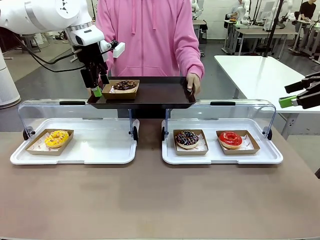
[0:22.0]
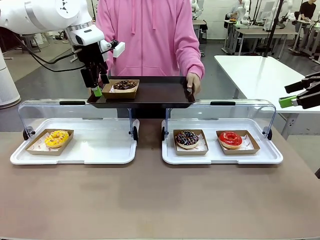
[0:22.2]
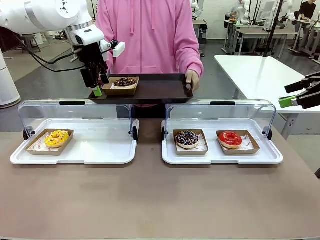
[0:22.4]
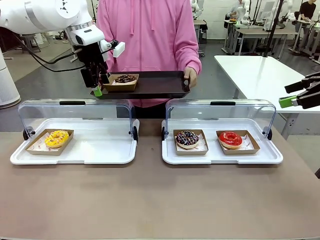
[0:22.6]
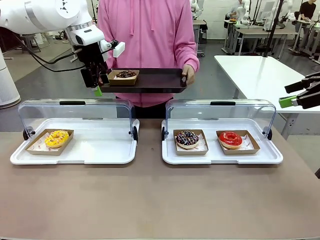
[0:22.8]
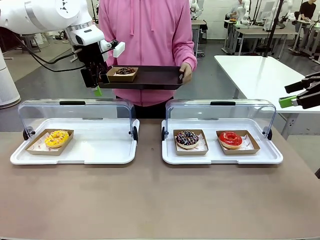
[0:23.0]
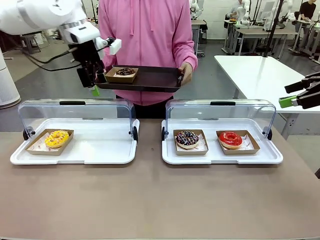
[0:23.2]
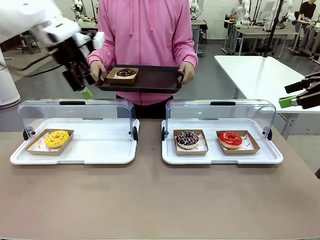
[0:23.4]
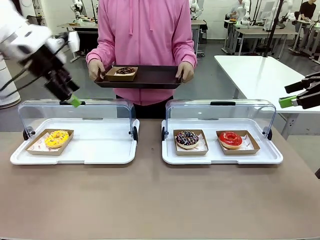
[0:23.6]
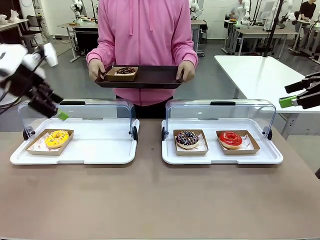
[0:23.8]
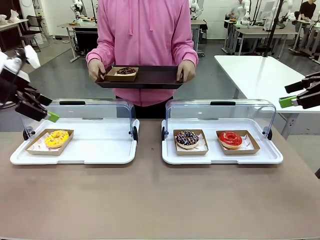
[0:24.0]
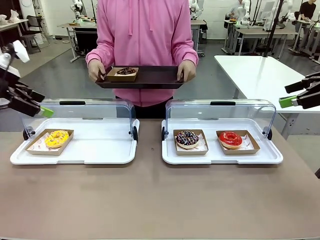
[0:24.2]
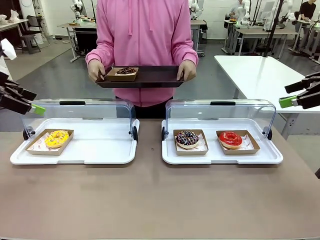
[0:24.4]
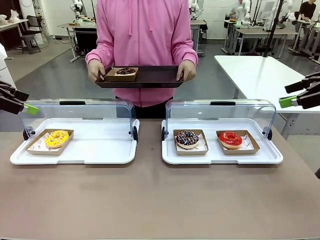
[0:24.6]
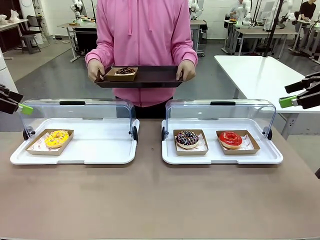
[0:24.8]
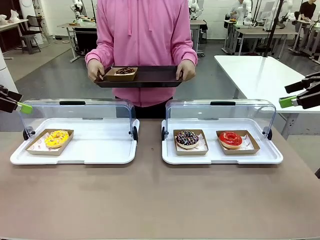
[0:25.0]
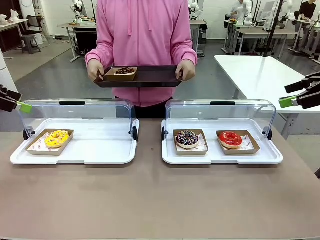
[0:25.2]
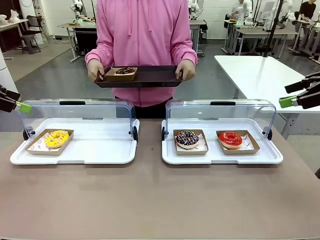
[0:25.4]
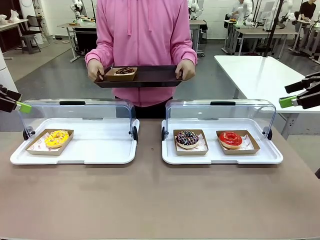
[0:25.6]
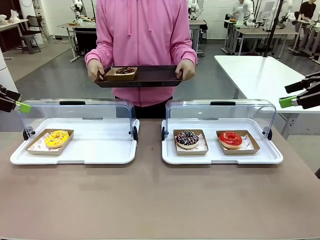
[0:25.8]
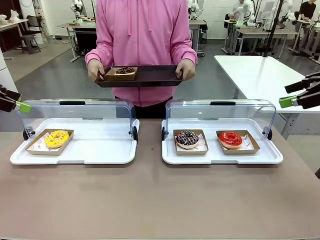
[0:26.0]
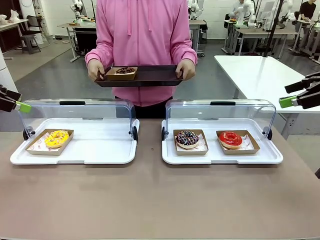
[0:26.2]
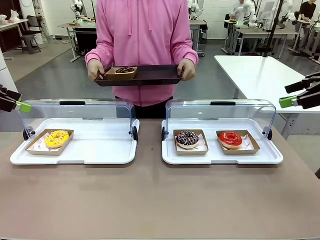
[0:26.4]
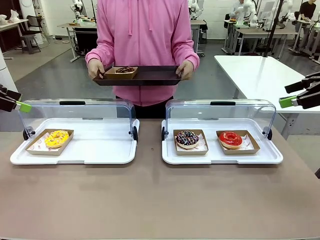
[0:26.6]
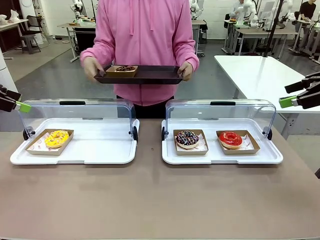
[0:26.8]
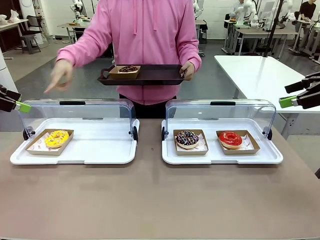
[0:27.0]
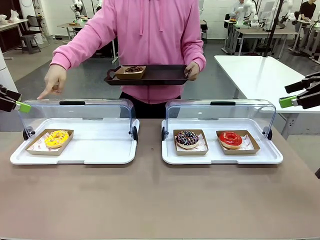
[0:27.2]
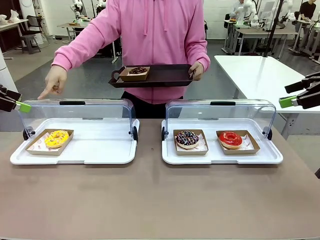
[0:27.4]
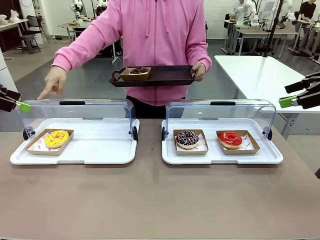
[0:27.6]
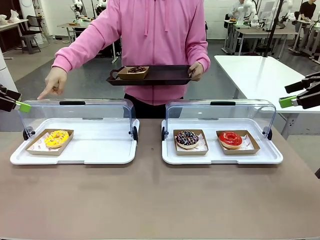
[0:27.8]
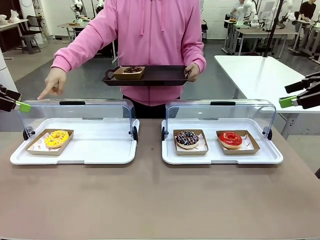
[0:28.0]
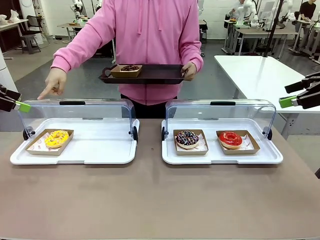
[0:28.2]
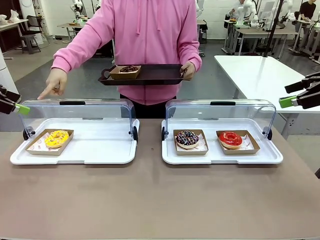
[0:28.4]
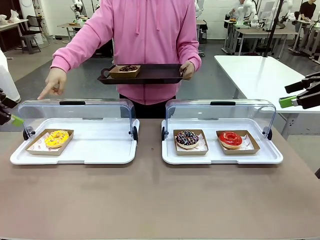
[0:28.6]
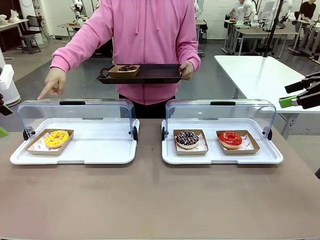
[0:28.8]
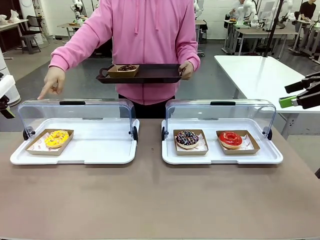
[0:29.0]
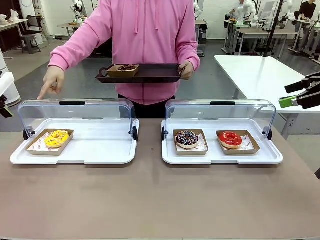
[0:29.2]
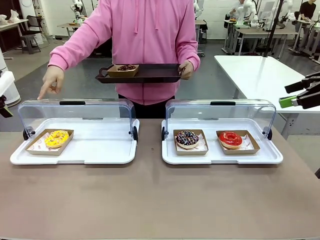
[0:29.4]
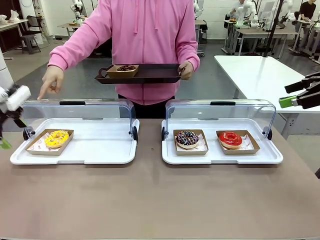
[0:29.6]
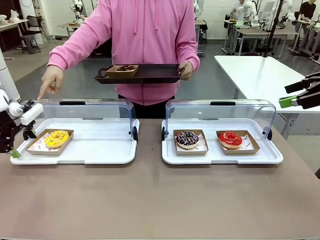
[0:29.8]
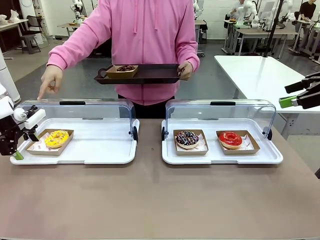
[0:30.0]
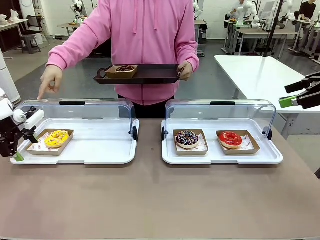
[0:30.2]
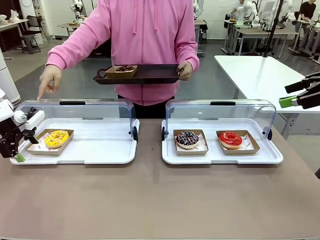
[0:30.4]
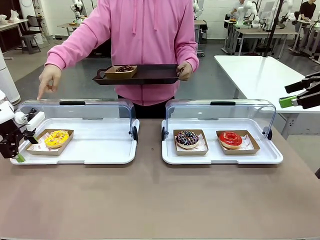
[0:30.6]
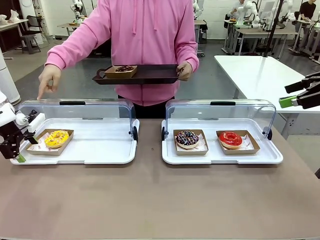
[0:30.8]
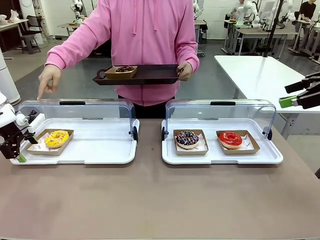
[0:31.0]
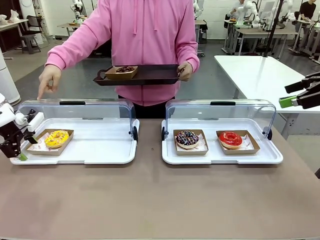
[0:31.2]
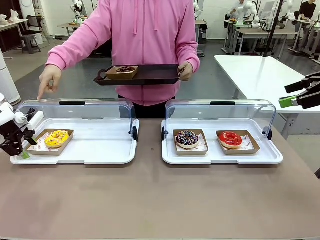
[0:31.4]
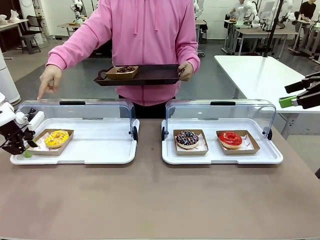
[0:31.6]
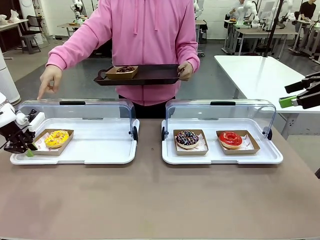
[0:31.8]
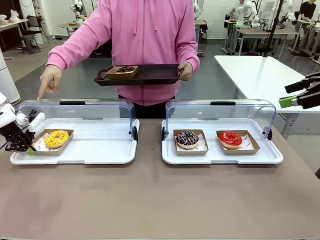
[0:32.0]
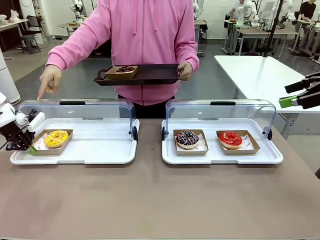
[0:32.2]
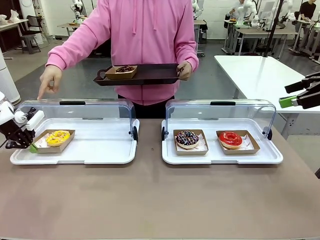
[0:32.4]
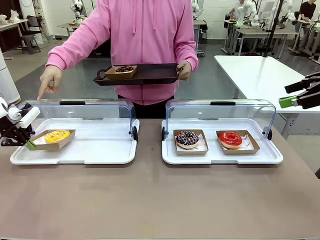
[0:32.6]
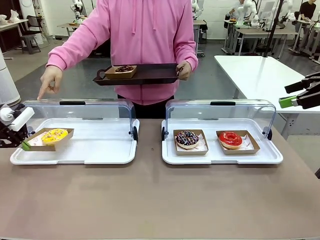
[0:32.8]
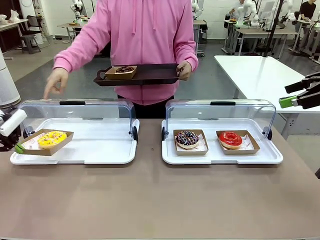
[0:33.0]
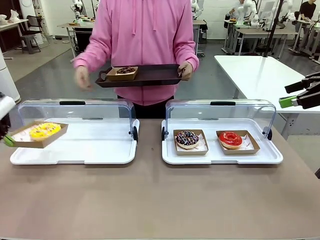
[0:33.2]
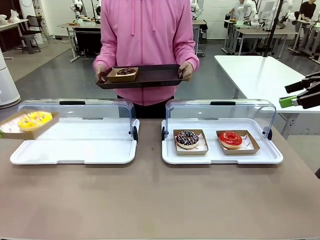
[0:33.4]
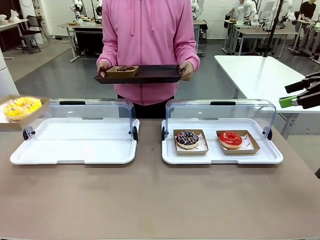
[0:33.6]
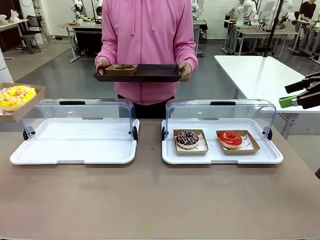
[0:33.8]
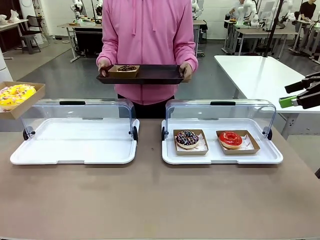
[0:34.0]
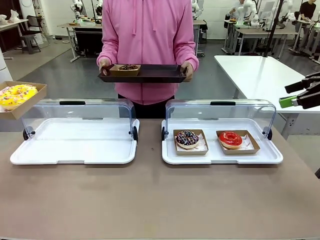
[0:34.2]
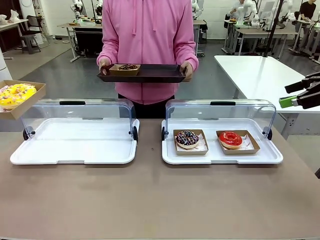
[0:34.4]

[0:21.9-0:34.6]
Task: Provide the desired donut to the person.
Robot: Pick up and lift the Paper togo box containing the Donut pointed at by the person.
Person: Point to one donut. Lift the tray onto the Roll-Top Bakery Case.
